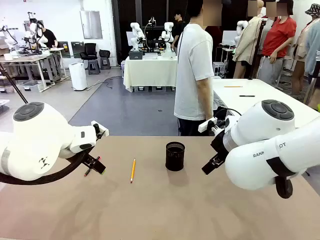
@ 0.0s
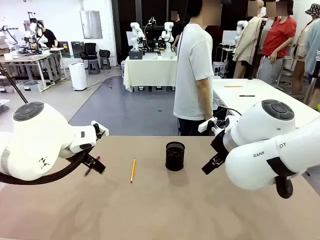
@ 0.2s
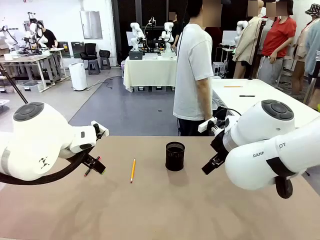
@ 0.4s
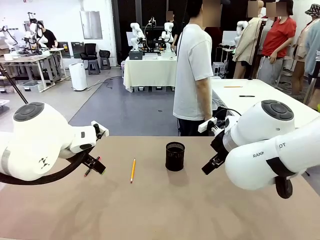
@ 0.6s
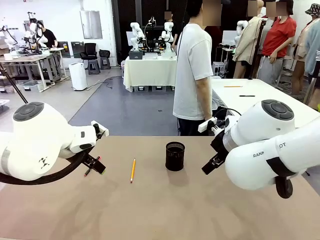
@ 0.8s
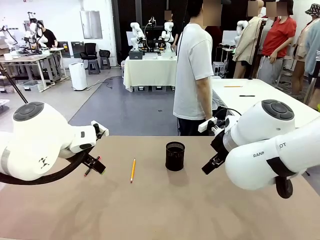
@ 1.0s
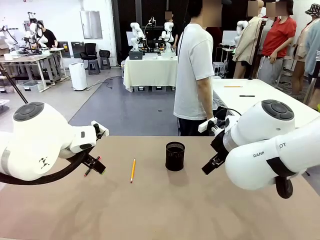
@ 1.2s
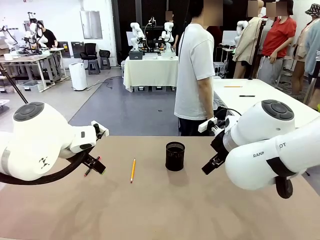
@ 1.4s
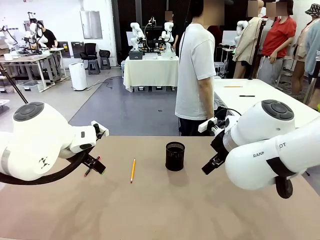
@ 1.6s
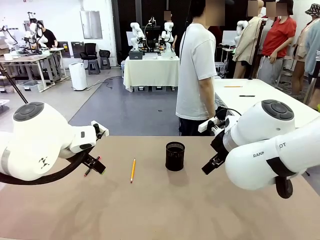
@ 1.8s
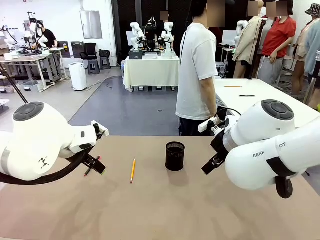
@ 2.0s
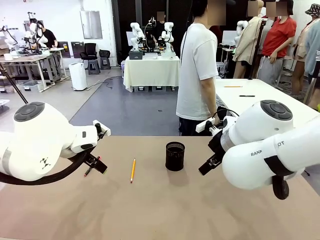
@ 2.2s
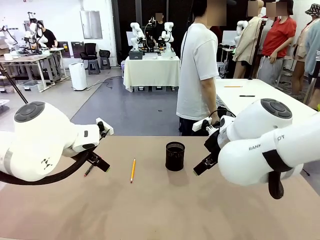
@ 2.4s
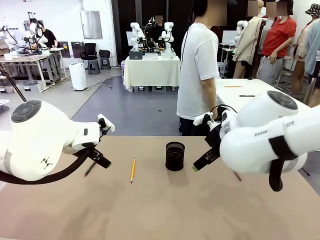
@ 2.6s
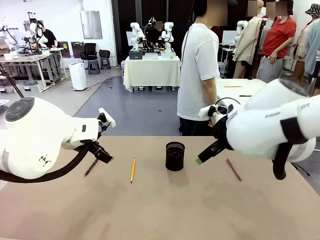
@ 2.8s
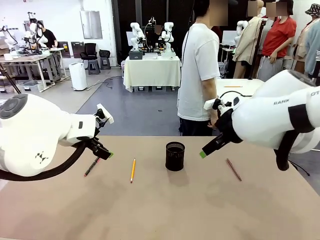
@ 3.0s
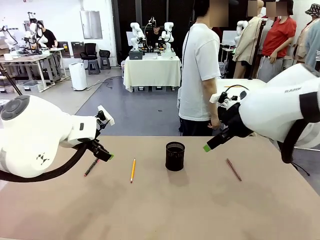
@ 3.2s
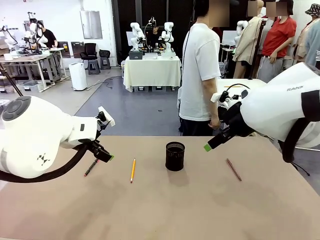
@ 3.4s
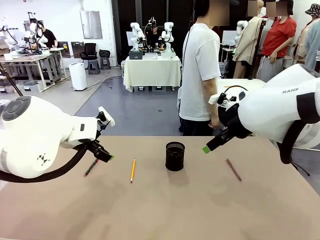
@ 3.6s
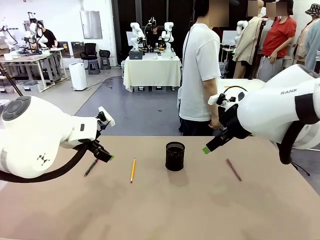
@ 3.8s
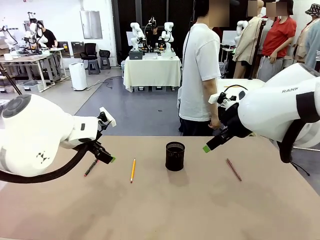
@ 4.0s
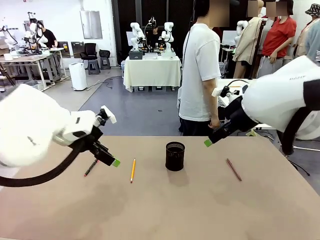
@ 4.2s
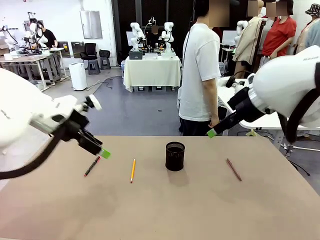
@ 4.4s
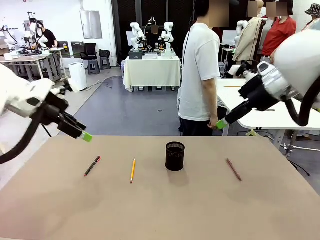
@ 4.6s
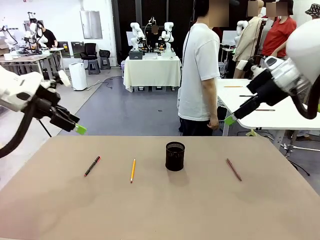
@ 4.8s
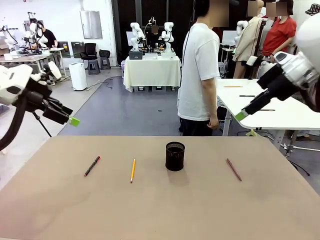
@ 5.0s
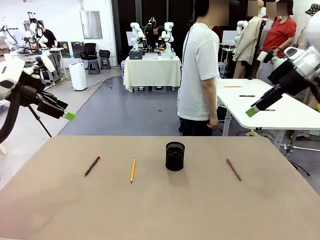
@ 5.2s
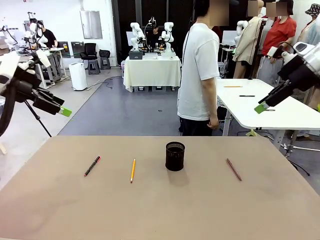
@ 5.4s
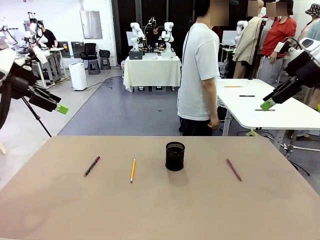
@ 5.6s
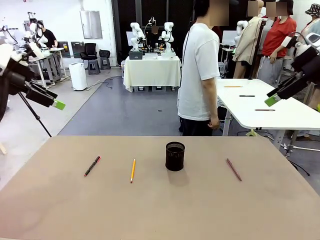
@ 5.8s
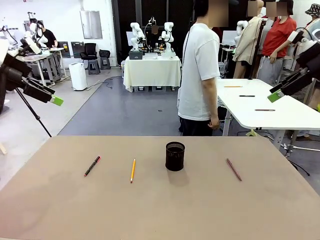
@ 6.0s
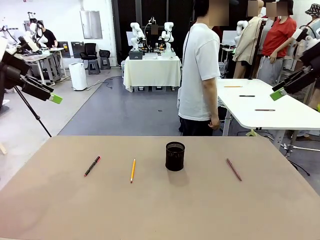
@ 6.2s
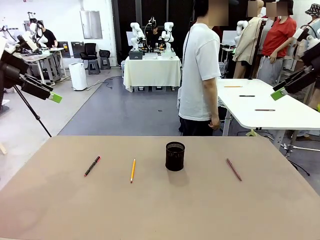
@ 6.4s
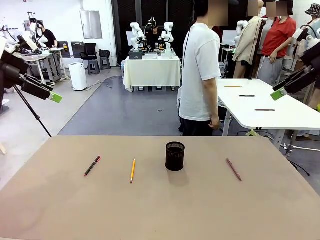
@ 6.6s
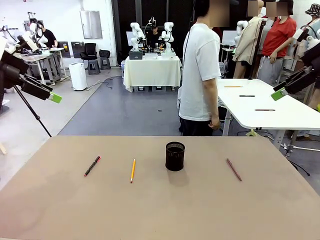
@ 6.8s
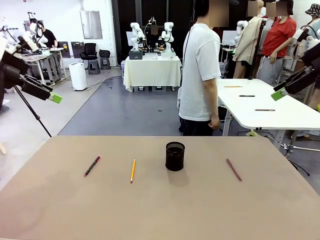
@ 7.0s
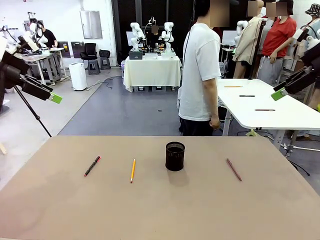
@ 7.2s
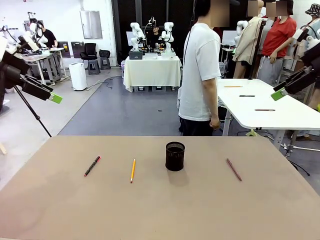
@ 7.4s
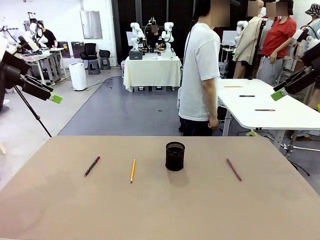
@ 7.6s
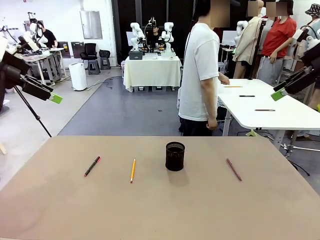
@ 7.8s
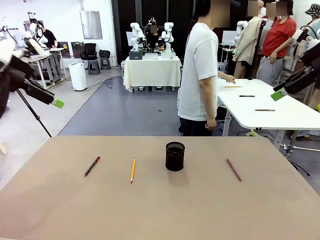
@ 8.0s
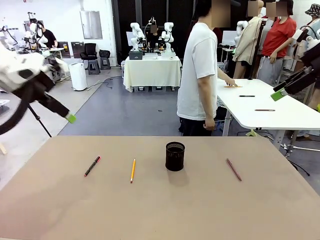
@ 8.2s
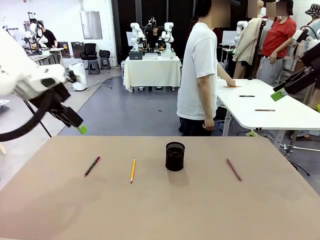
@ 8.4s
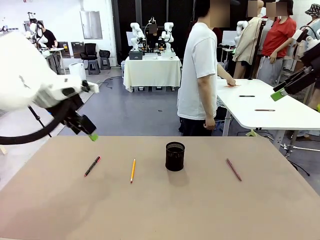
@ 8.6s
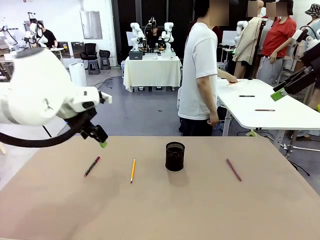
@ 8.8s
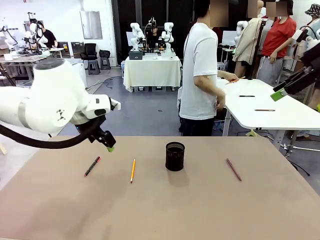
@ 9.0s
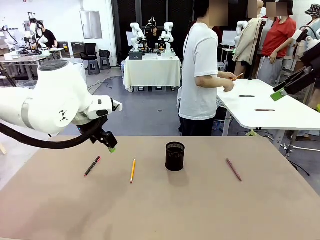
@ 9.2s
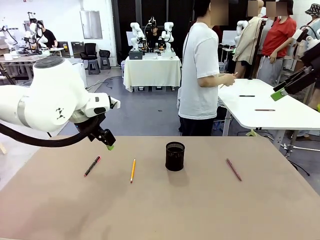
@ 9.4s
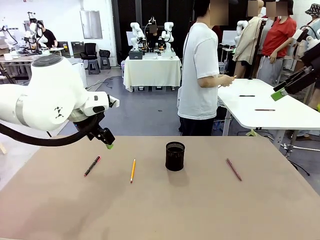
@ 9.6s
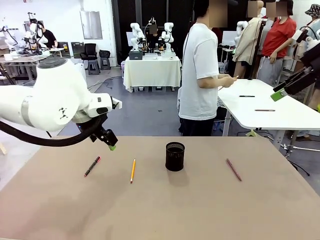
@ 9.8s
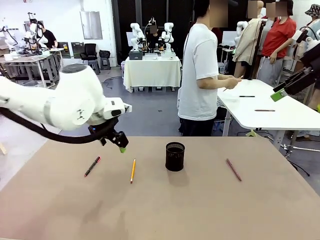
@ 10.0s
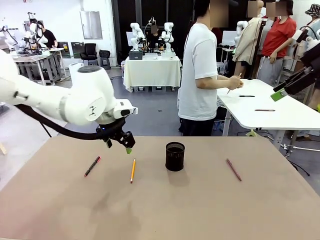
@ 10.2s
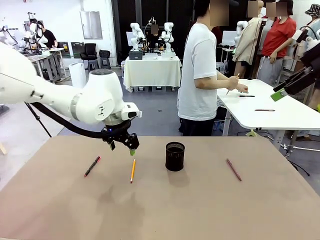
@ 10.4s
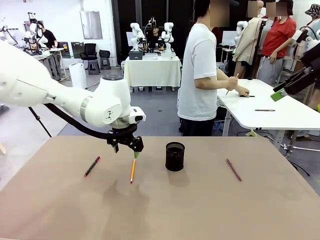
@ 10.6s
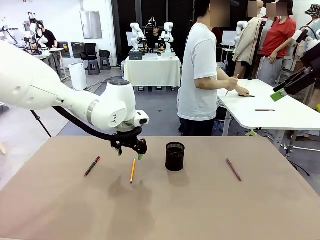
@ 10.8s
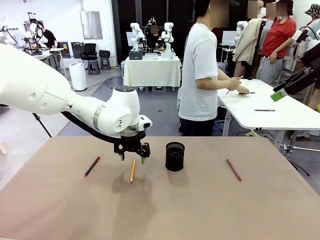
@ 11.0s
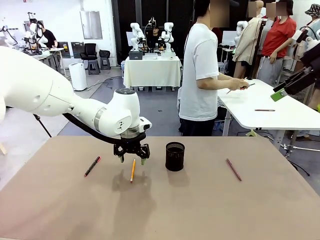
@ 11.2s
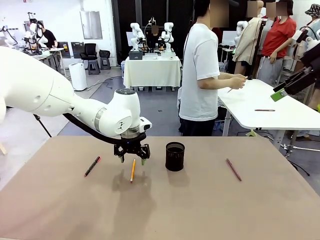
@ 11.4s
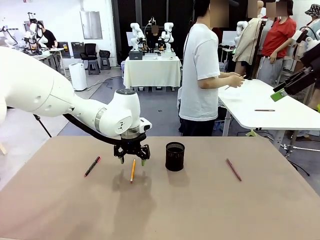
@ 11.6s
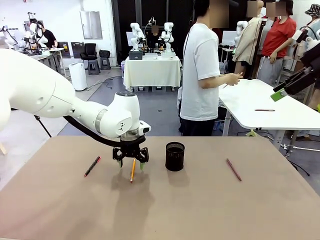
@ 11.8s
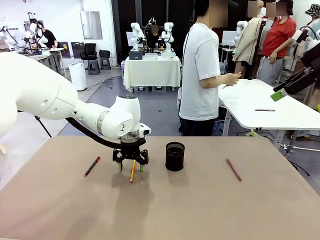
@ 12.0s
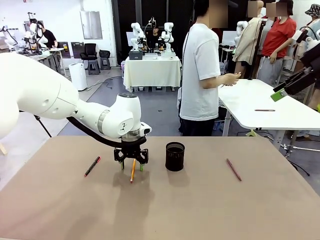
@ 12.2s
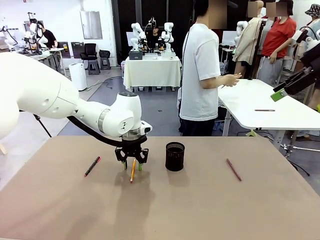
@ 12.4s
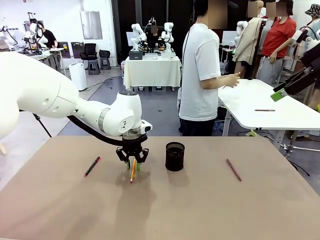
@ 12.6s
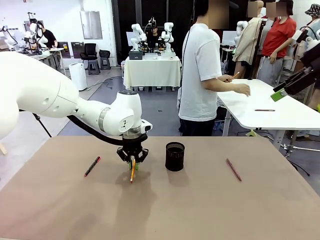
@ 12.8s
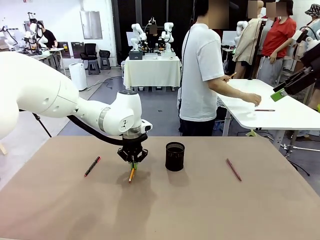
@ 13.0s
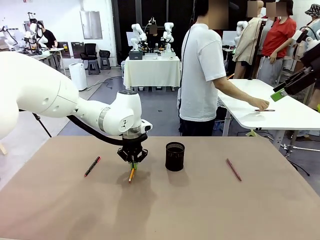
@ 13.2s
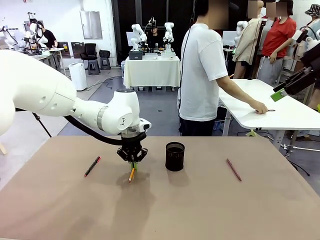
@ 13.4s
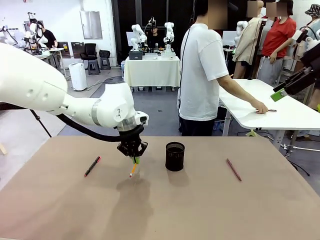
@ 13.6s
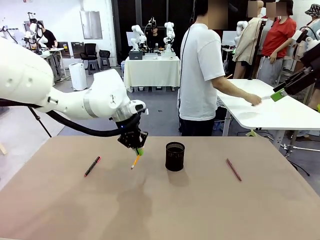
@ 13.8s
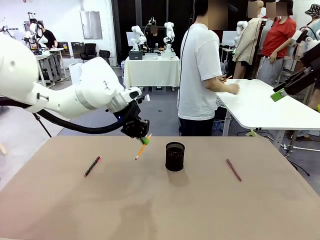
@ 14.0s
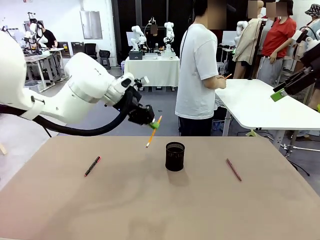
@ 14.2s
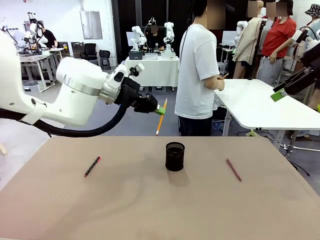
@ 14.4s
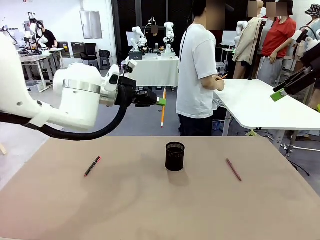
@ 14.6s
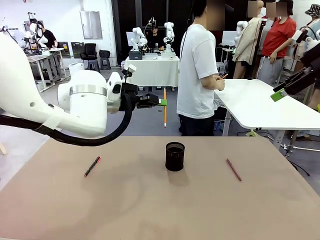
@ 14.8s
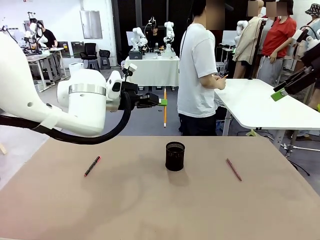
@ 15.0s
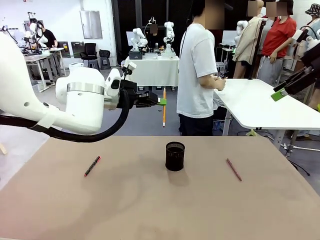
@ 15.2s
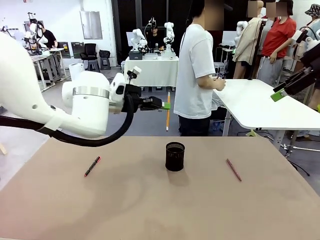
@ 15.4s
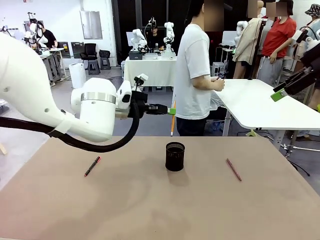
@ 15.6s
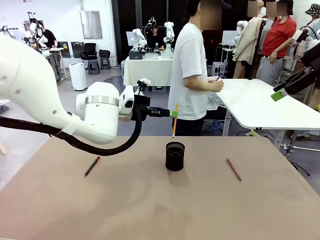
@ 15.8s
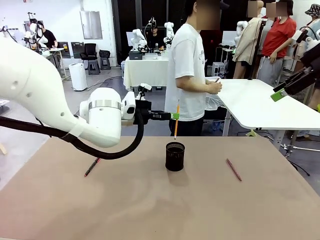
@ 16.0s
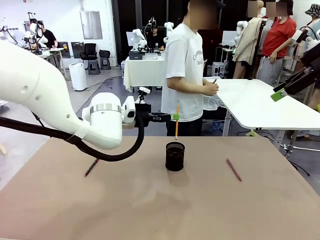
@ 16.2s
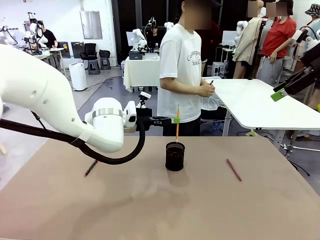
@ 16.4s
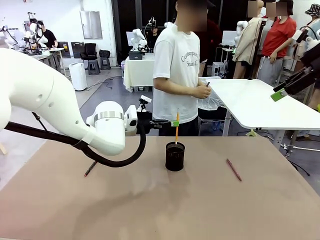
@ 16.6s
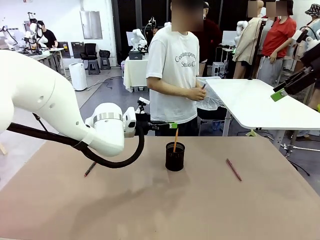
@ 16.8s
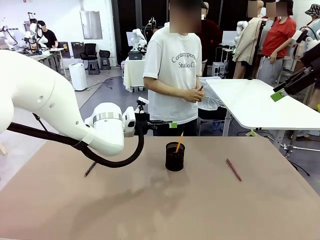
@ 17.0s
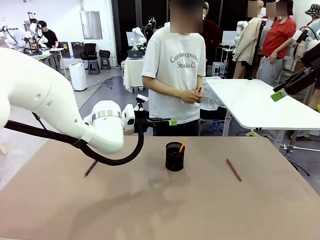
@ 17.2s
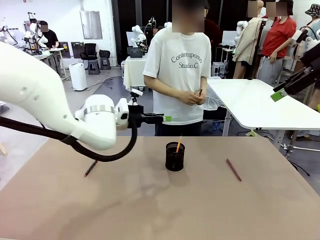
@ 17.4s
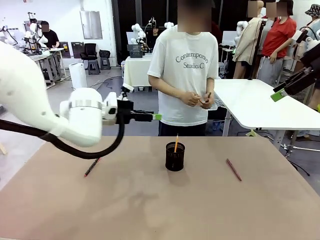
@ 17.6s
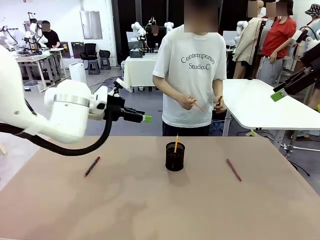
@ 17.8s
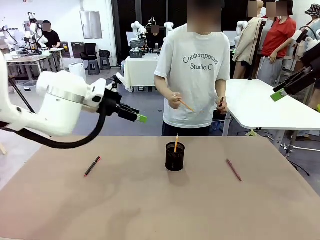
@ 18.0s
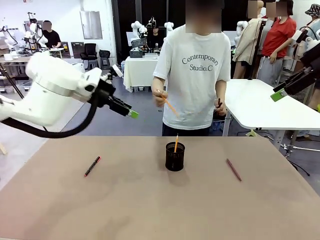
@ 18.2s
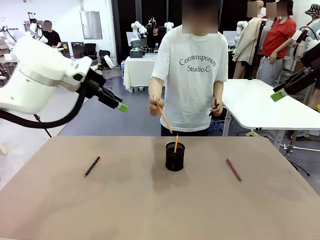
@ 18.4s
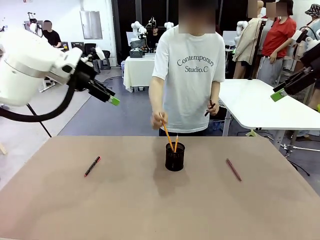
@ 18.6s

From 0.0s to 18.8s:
Task: Place the pens into the pen holder.
Robot: Pick up a writing instrument from the table and place it into the Pen holder.
Person: Pick up all writing instruments from the Human table.
